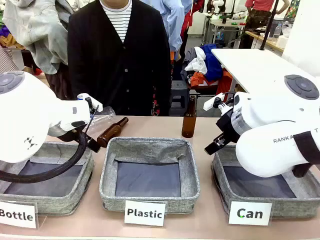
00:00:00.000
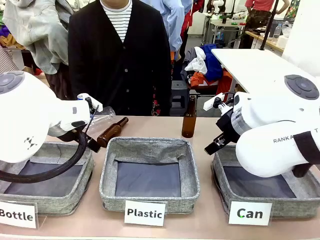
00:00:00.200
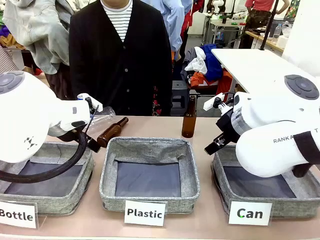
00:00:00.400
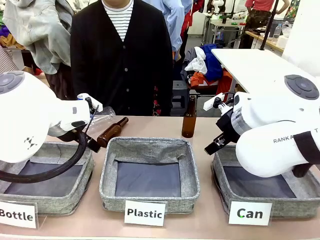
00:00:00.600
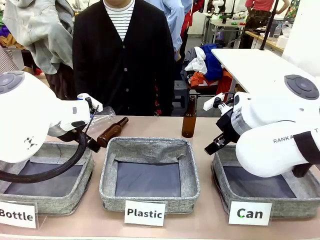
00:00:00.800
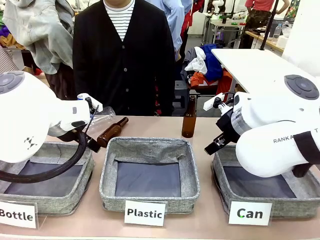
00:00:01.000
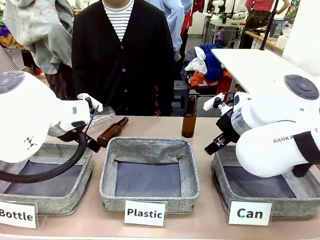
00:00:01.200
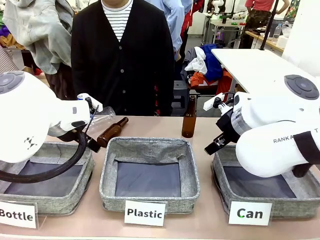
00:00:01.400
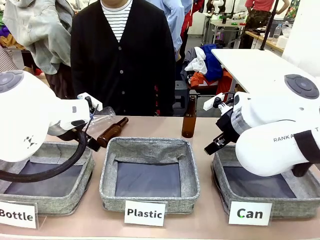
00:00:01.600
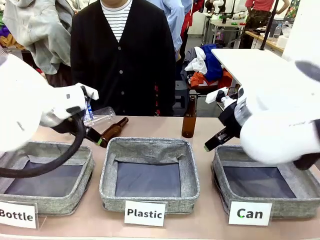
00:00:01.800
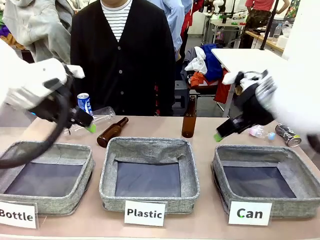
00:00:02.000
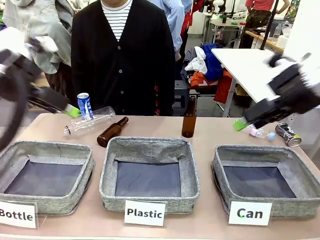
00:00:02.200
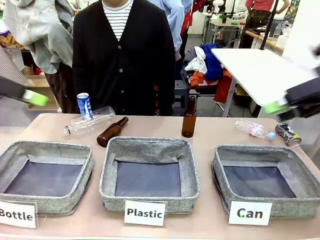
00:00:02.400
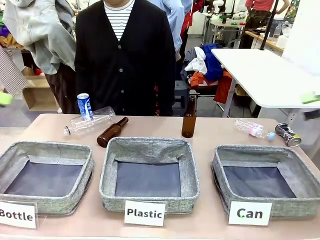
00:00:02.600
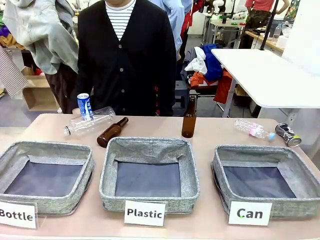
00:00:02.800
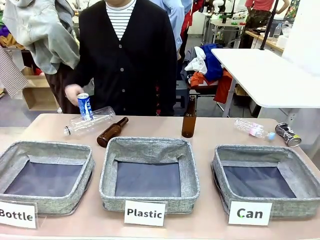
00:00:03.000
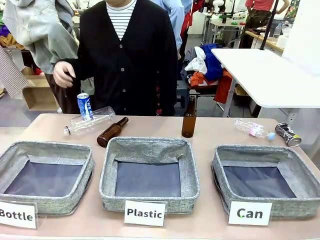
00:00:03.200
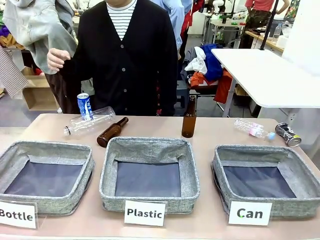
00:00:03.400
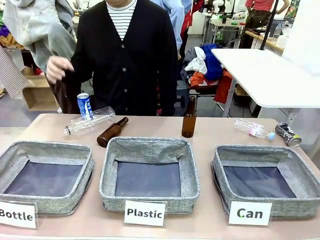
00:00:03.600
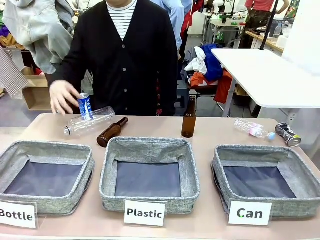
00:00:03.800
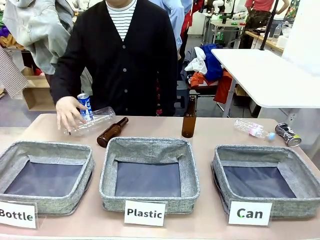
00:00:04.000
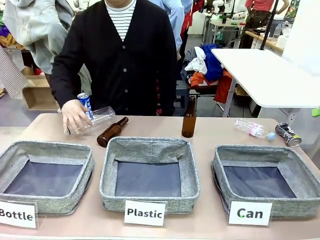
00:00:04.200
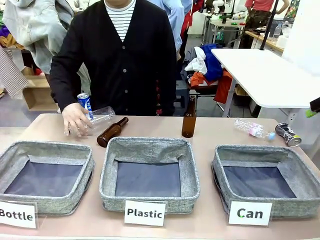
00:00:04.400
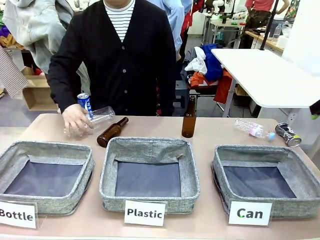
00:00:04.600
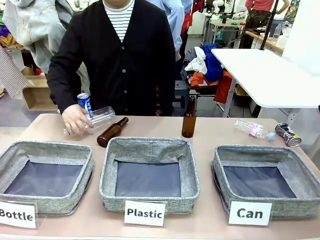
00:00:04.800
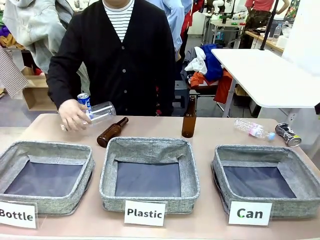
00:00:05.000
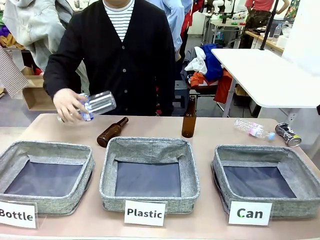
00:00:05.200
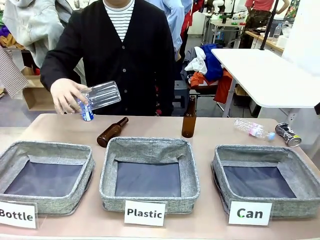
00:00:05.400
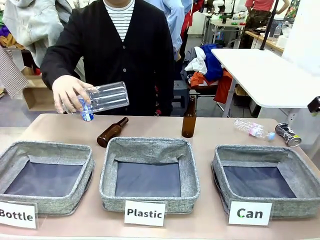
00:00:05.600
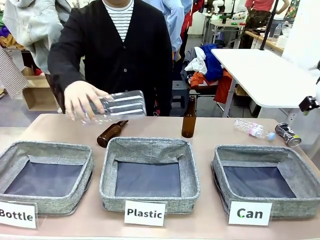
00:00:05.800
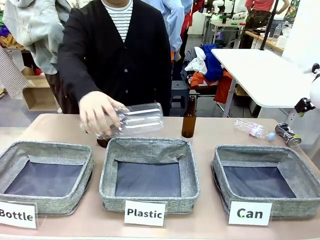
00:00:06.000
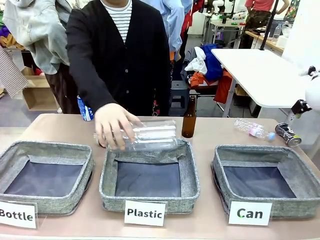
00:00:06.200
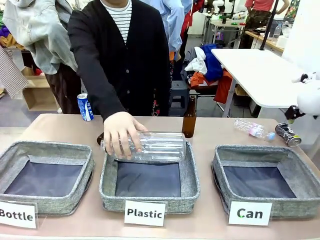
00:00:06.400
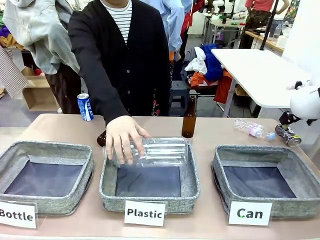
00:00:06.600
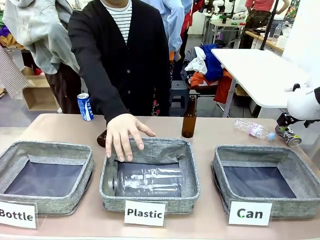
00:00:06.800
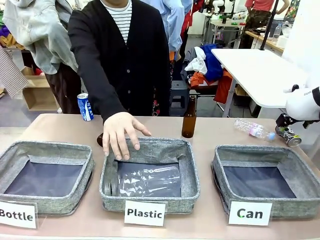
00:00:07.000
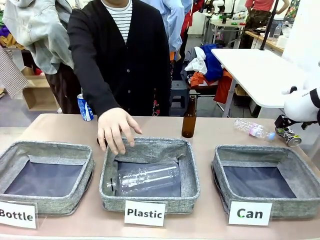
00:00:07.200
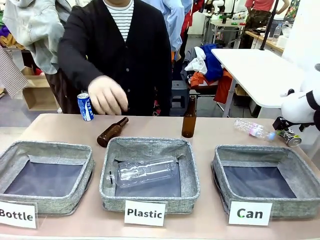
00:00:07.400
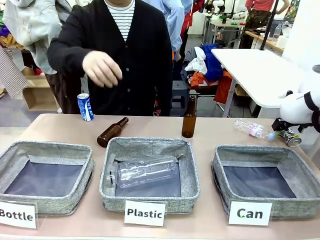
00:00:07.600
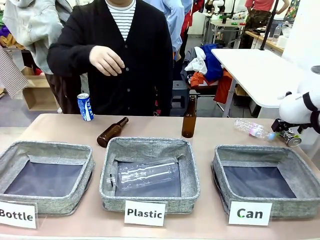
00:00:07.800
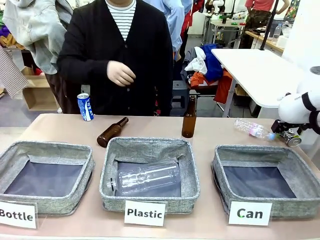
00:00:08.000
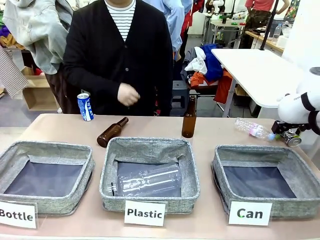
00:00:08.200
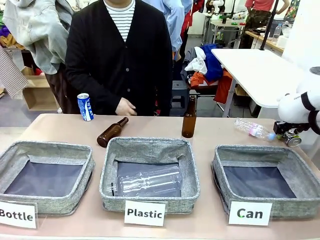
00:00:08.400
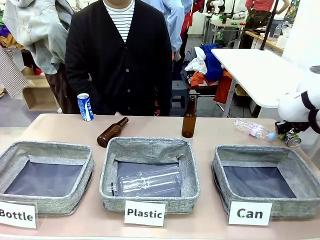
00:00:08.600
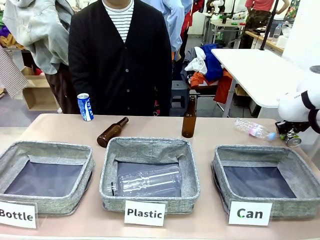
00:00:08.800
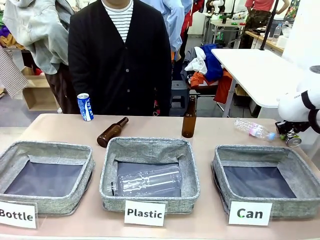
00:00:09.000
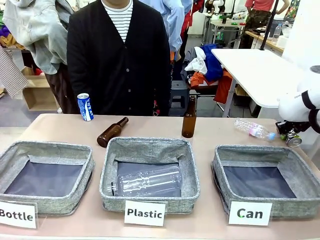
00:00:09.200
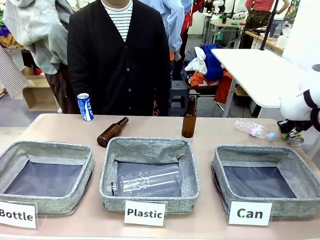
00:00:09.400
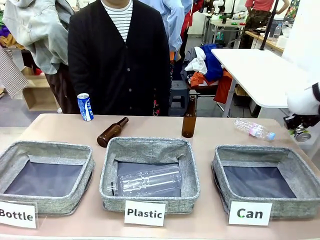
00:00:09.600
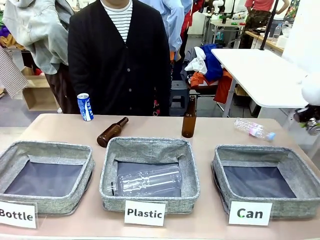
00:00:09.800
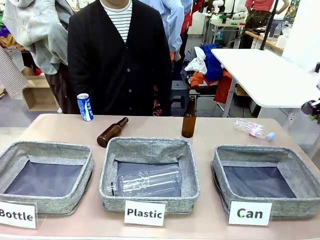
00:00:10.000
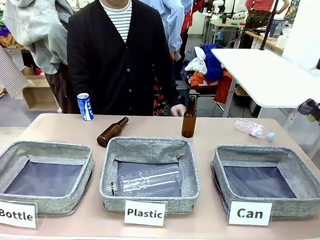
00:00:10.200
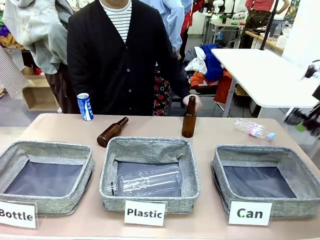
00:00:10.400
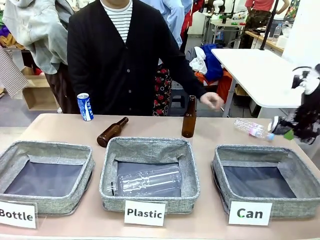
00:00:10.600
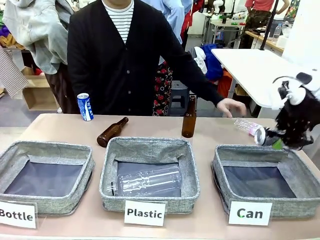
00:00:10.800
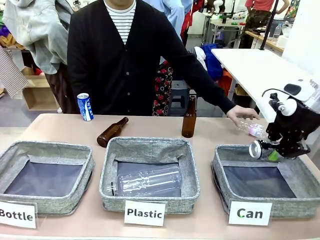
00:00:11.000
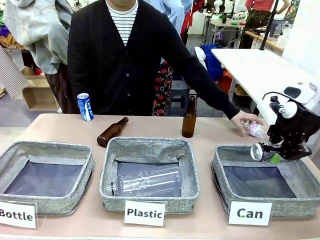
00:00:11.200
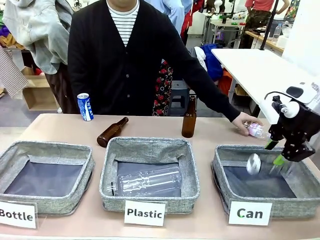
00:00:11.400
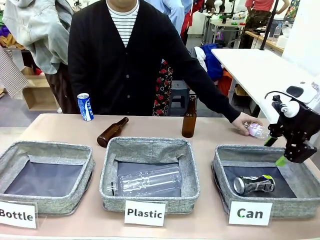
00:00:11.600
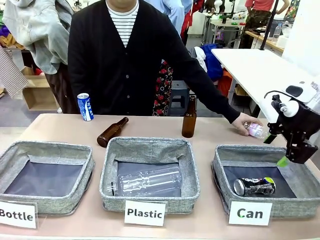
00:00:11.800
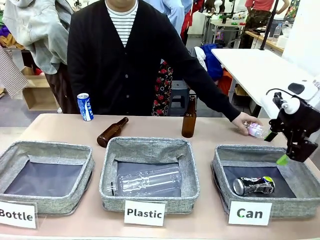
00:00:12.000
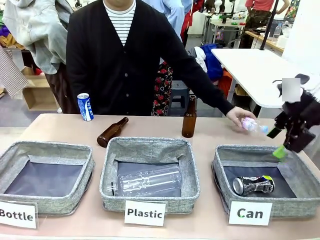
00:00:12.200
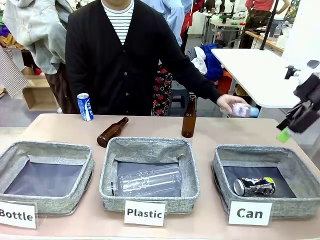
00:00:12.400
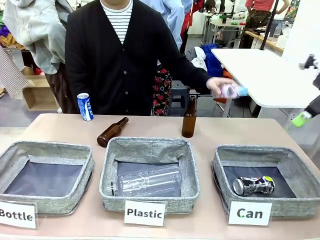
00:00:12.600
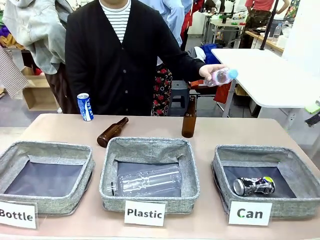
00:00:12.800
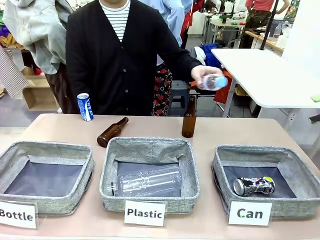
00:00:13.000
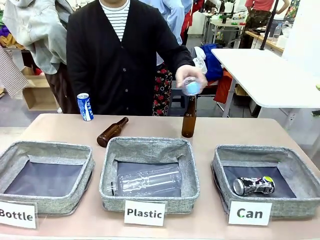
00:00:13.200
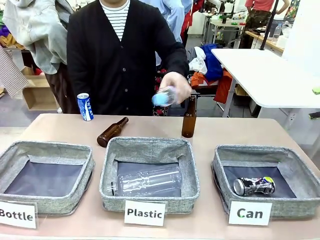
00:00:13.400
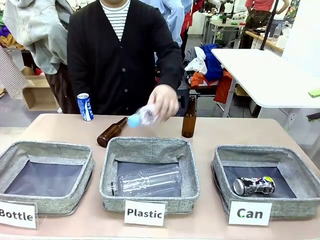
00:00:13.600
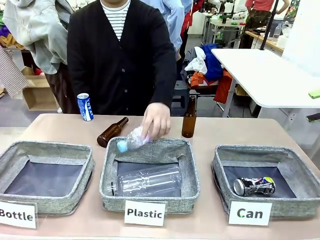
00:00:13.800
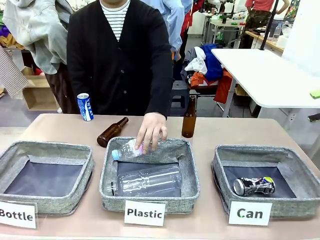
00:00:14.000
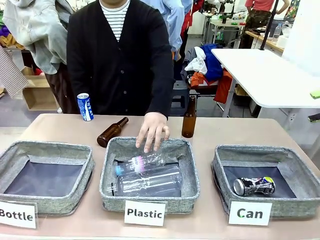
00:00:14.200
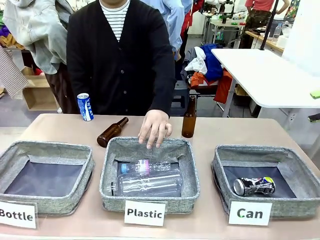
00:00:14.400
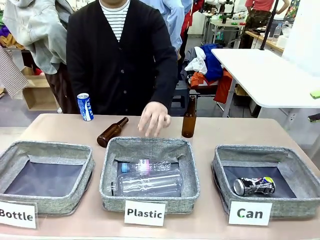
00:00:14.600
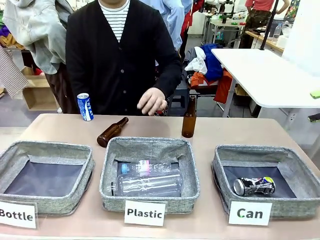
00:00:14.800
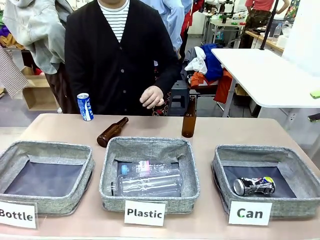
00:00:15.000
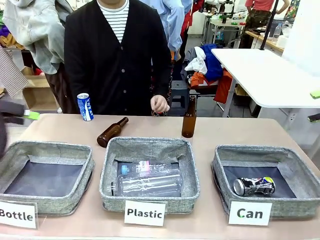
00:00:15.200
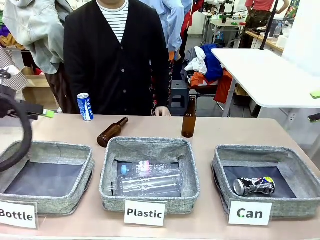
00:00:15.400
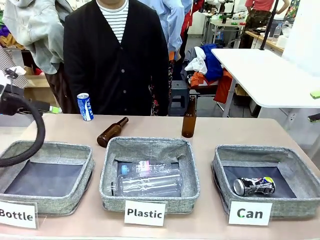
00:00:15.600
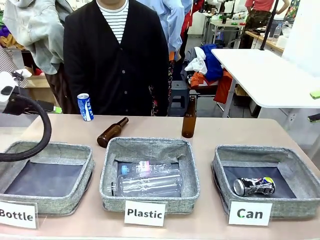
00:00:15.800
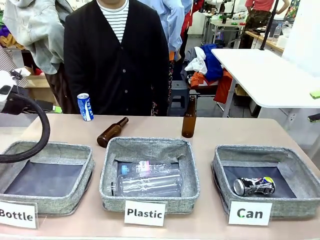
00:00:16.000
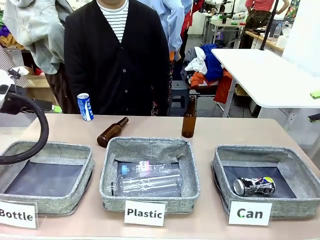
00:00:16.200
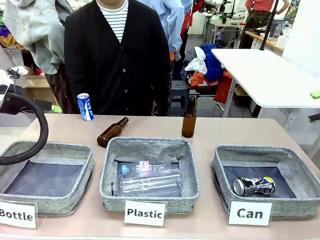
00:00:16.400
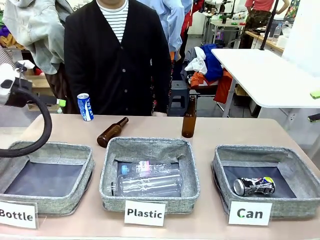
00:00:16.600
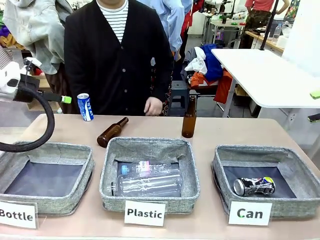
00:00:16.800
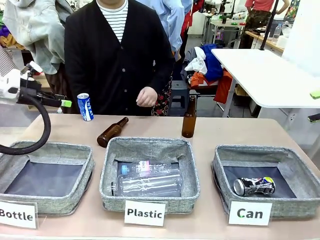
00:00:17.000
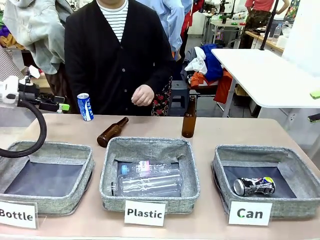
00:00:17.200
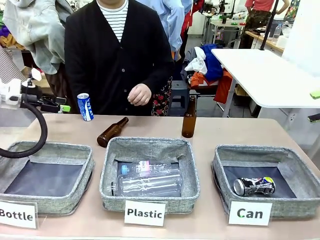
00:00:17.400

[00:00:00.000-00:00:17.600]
Task: Sort the can waste into the basket.
Robot: Pick up the can waste from the table and place it in the right Fabric basket.
